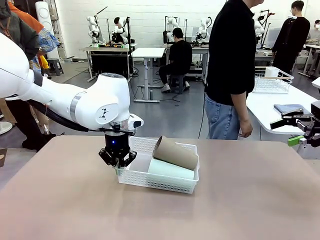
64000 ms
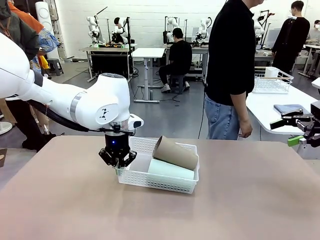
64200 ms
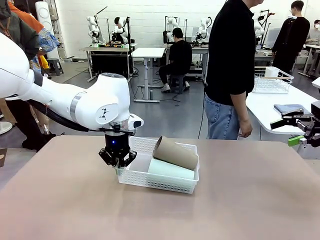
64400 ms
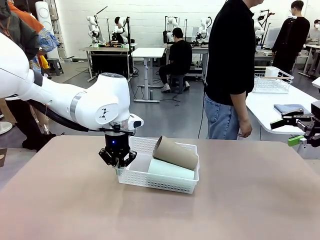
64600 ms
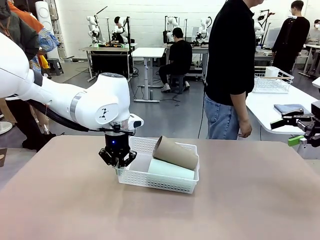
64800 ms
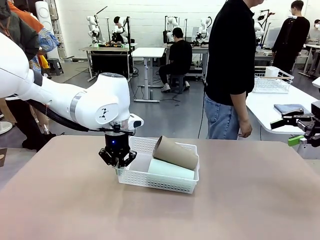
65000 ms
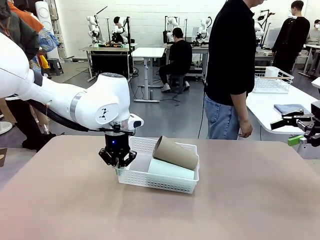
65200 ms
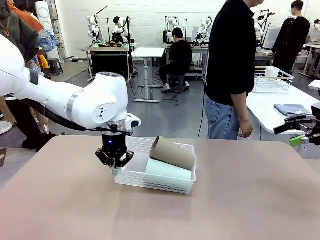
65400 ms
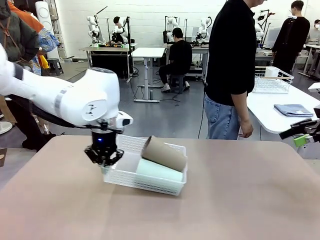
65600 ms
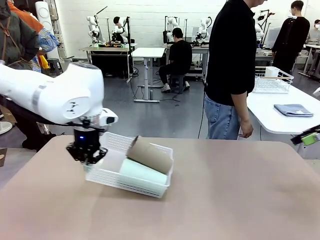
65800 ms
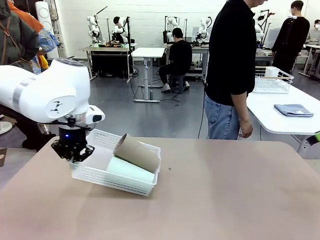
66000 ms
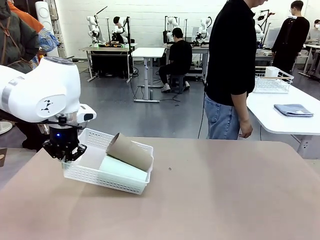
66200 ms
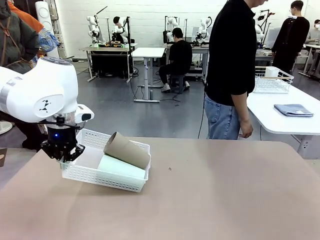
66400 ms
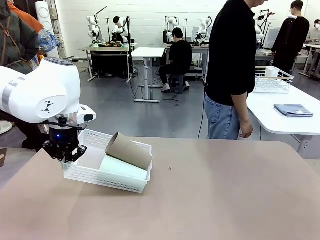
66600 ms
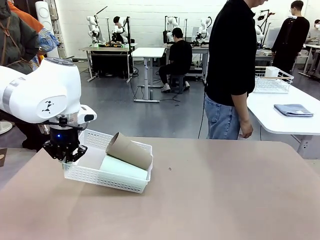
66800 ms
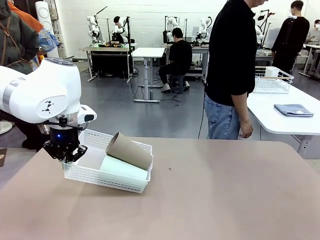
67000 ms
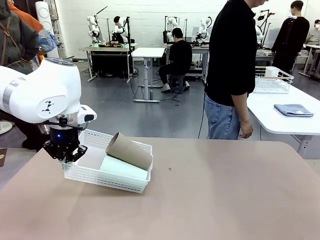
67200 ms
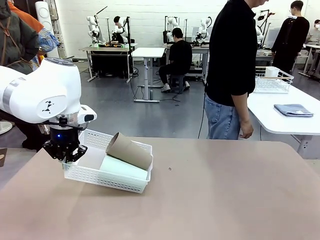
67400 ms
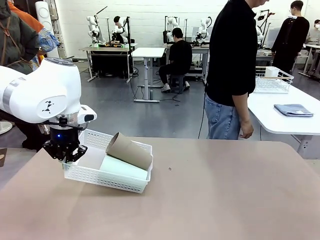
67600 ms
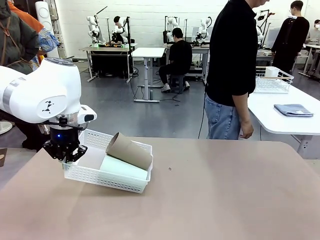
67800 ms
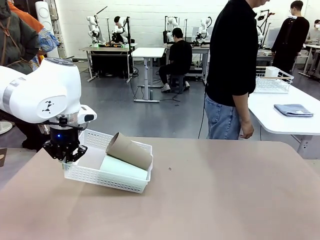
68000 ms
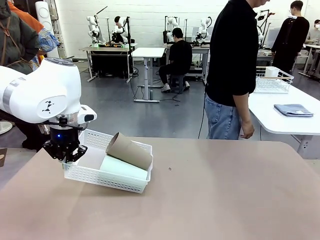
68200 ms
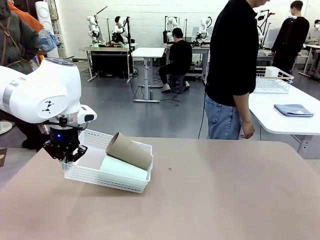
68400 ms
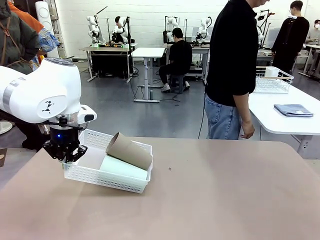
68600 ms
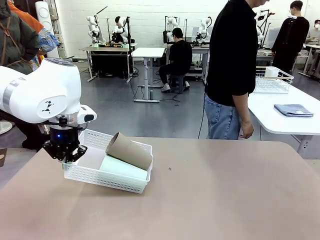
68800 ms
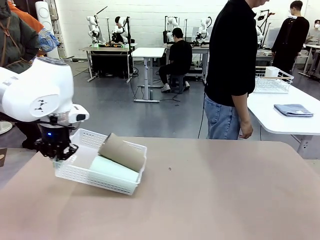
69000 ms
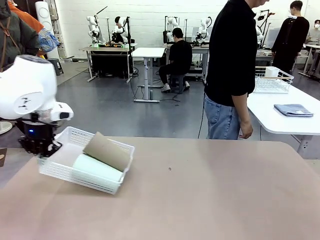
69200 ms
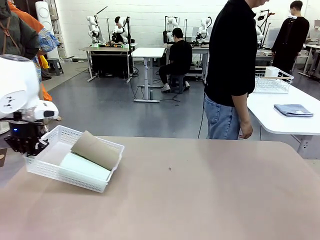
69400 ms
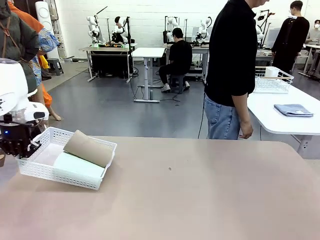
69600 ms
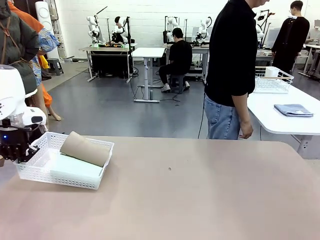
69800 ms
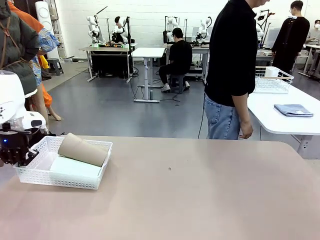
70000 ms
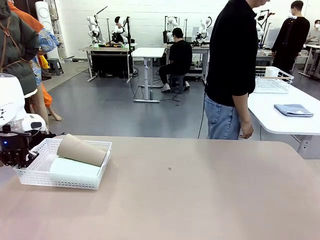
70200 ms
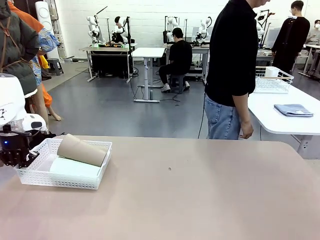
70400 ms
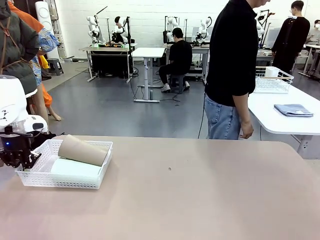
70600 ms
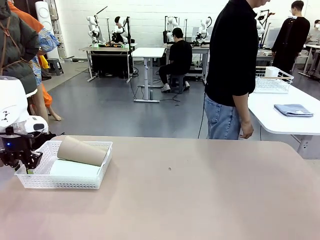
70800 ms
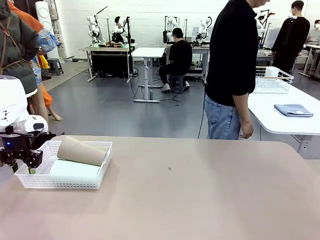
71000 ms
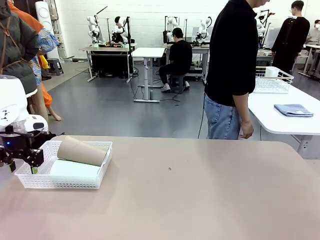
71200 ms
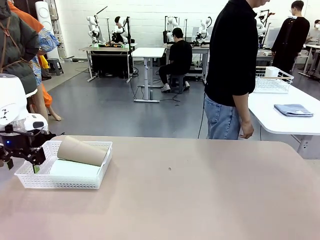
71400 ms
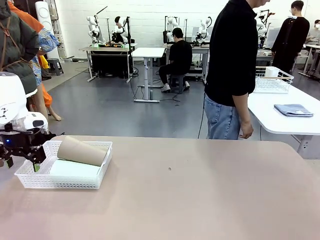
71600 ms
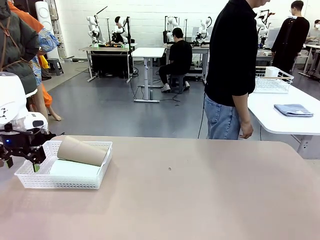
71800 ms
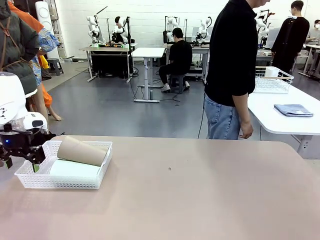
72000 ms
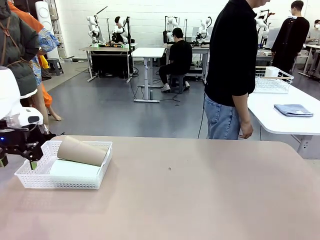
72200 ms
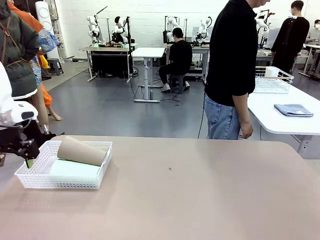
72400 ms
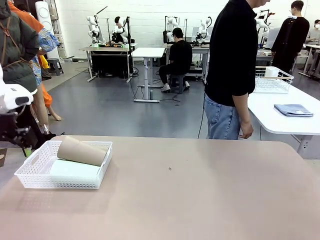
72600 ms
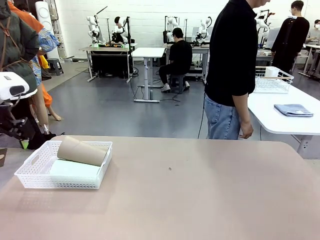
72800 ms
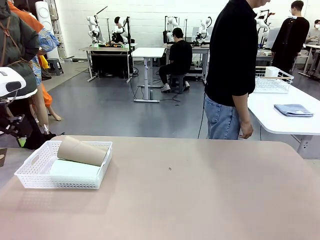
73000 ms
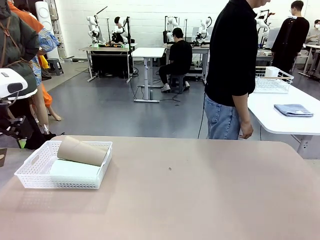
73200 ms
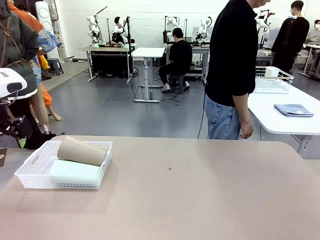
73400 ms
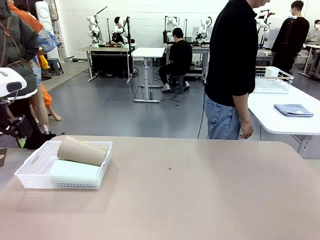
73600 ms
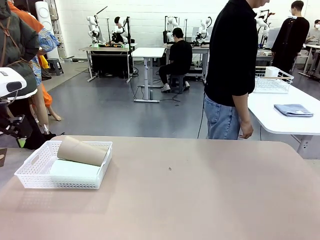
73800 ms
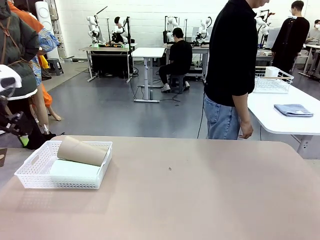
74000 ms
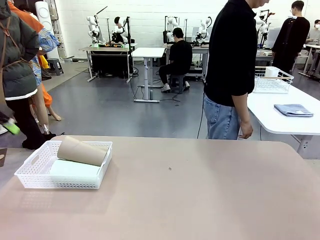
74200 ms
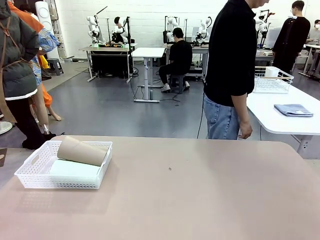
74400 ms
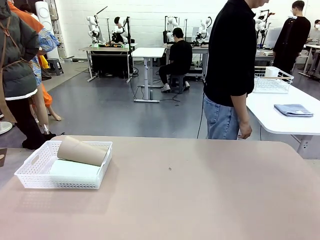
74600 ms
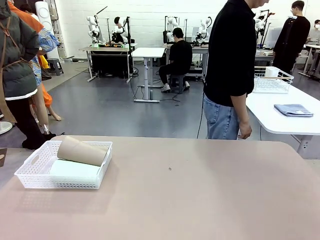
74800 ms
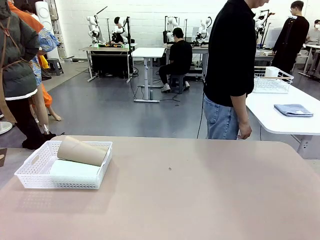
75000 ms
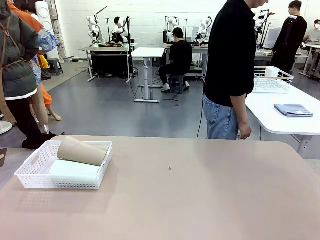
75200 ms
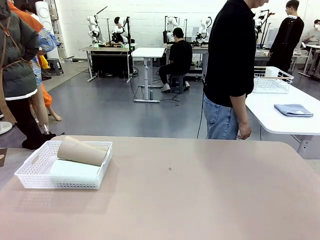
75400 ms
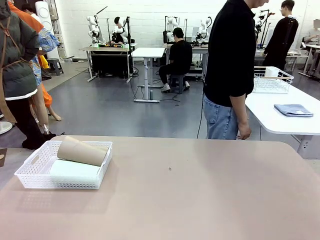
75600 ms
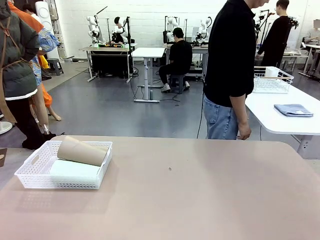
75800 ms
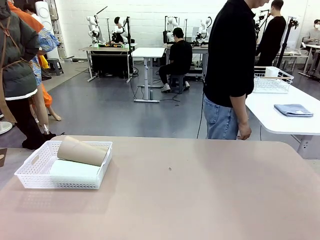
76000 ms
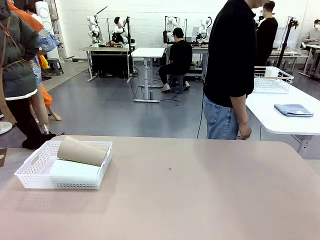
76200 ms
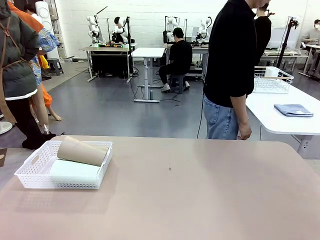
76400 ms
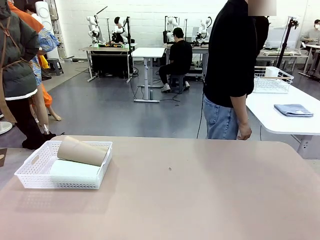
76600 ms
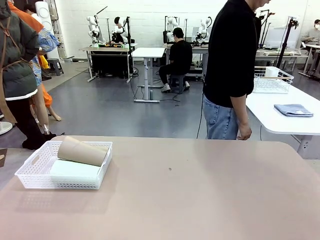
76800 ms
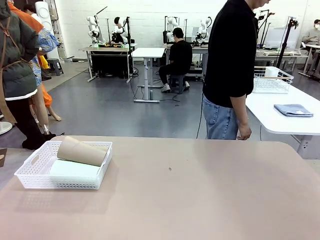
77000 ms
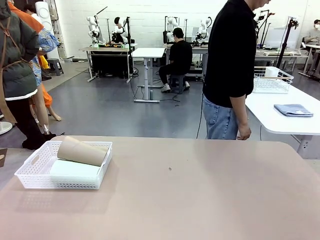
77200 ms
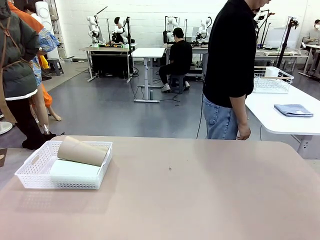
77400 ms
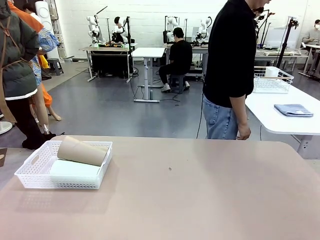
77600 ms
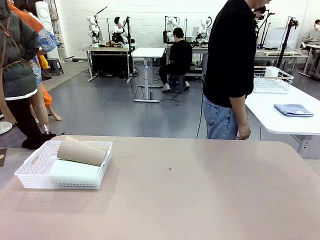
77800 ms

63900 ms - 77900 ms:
Task: Clean and organize the cups into the basket.
Robot: Move the Organizing basket back to the left side of the table.
Person: Folds the towel in half twice and places it in the right of the table.
